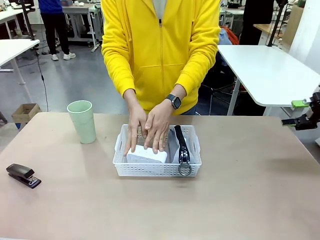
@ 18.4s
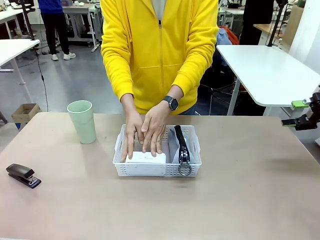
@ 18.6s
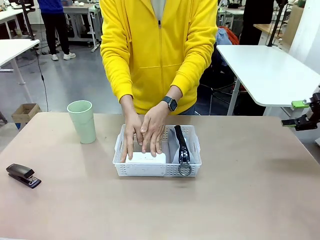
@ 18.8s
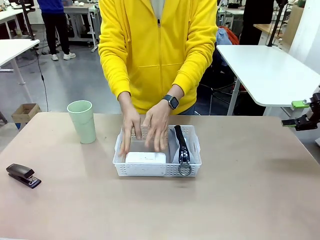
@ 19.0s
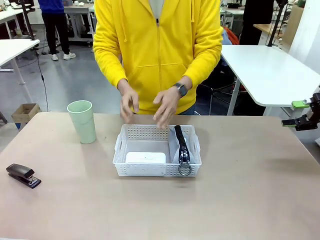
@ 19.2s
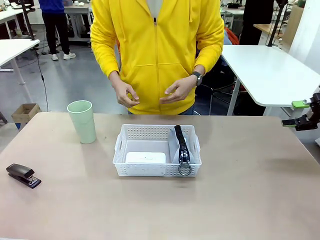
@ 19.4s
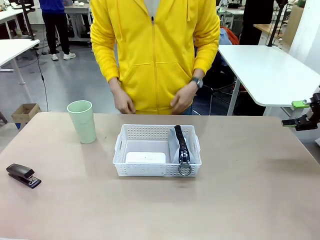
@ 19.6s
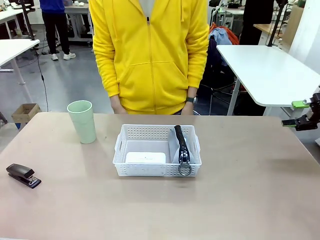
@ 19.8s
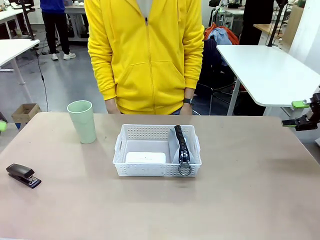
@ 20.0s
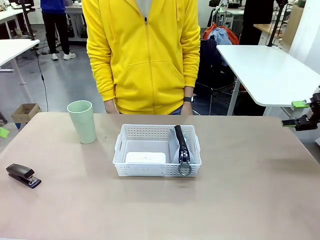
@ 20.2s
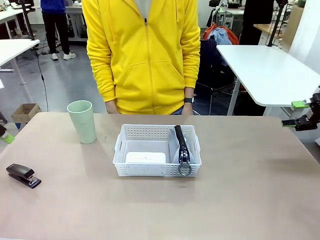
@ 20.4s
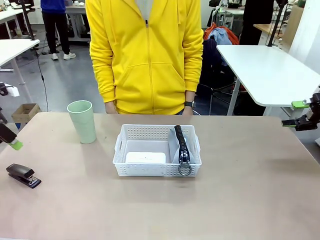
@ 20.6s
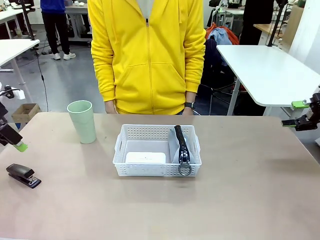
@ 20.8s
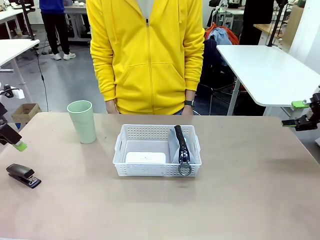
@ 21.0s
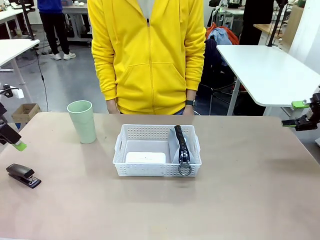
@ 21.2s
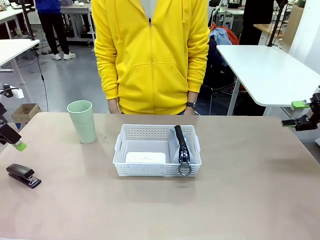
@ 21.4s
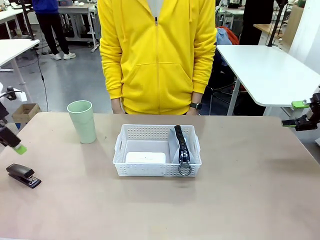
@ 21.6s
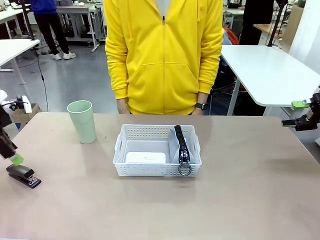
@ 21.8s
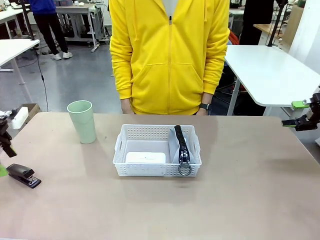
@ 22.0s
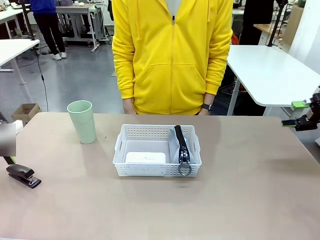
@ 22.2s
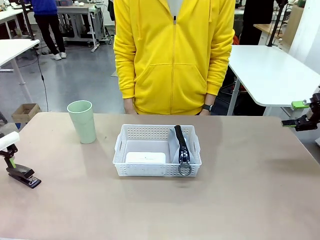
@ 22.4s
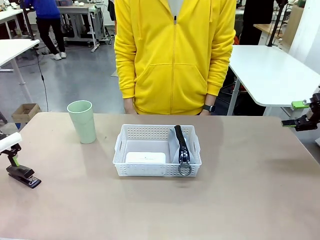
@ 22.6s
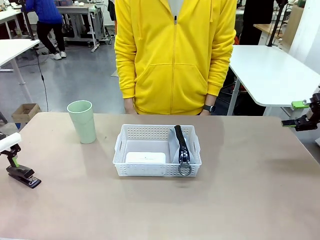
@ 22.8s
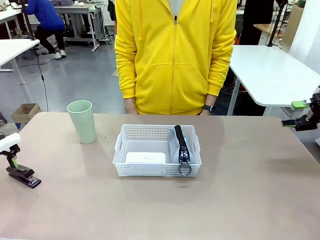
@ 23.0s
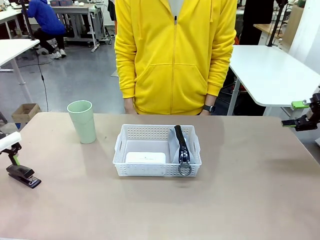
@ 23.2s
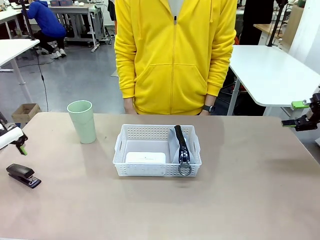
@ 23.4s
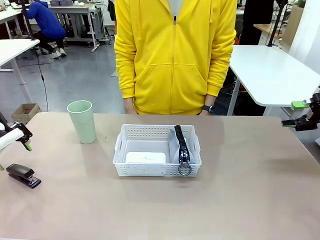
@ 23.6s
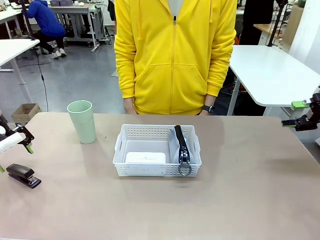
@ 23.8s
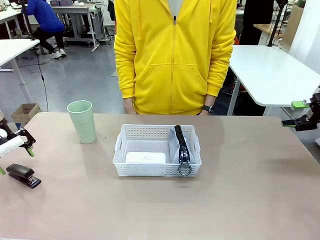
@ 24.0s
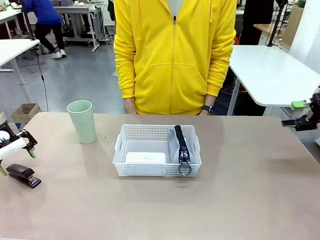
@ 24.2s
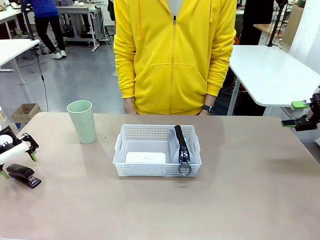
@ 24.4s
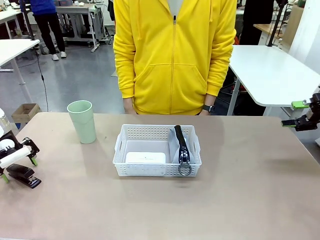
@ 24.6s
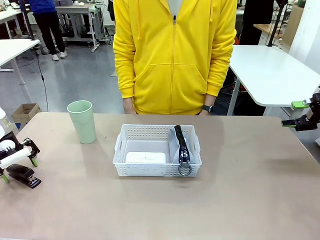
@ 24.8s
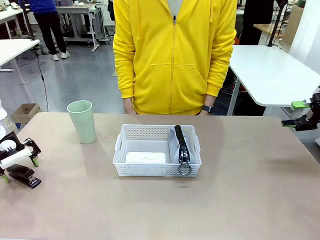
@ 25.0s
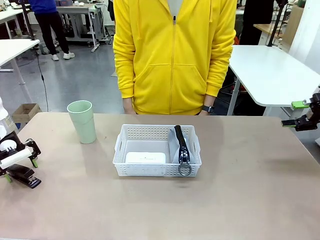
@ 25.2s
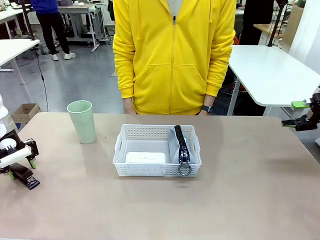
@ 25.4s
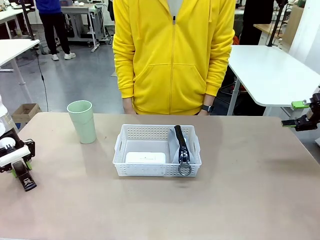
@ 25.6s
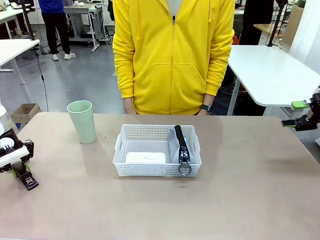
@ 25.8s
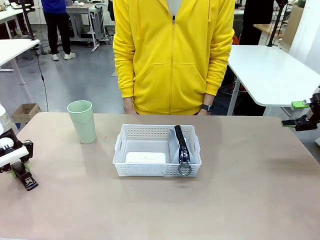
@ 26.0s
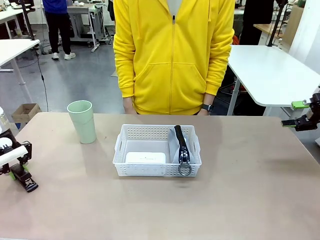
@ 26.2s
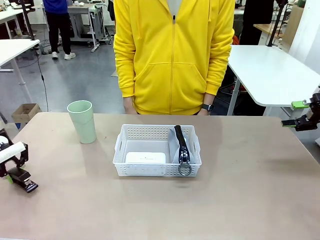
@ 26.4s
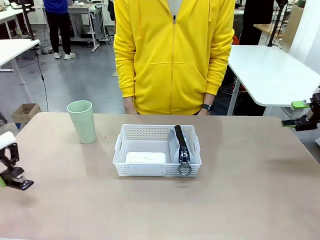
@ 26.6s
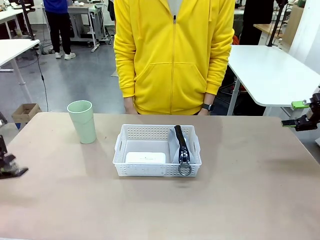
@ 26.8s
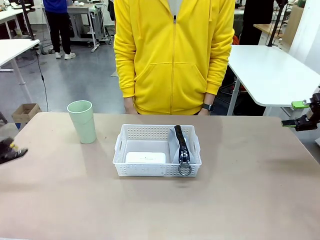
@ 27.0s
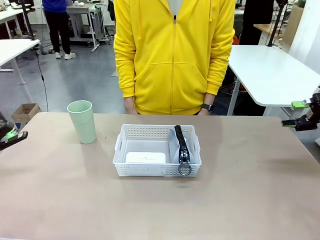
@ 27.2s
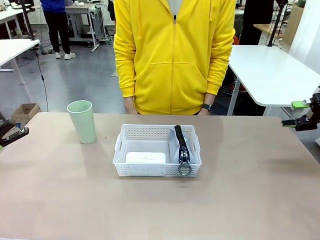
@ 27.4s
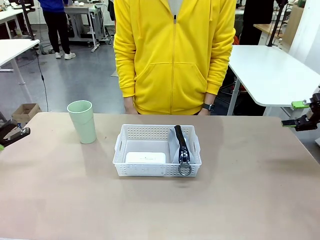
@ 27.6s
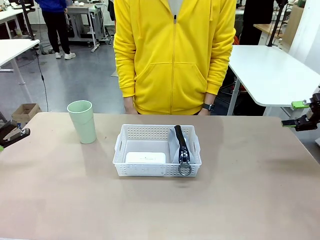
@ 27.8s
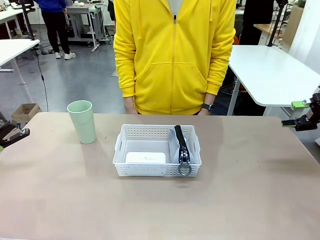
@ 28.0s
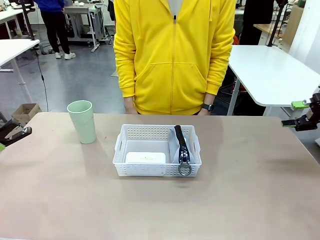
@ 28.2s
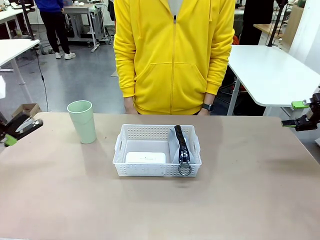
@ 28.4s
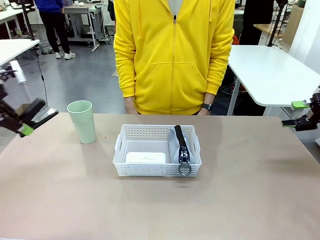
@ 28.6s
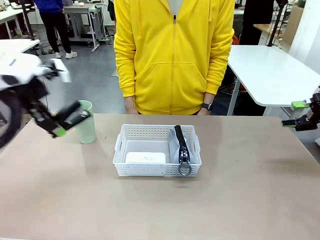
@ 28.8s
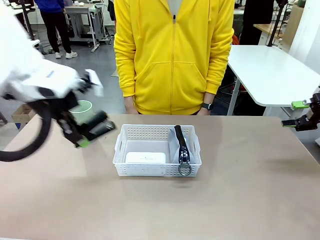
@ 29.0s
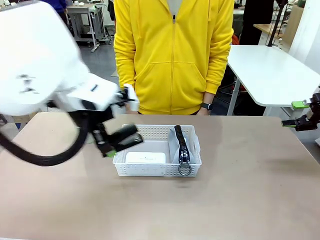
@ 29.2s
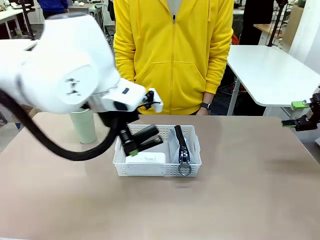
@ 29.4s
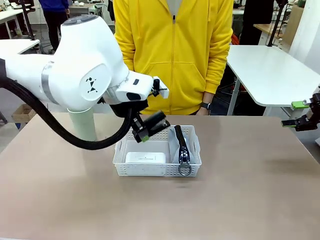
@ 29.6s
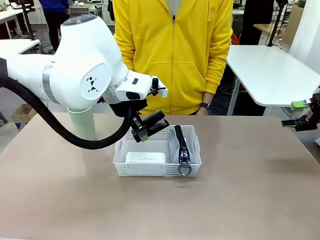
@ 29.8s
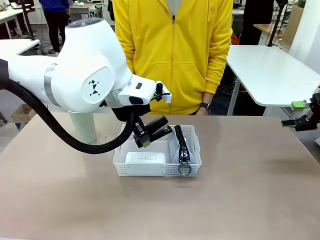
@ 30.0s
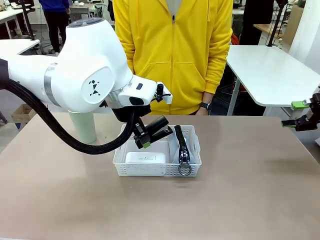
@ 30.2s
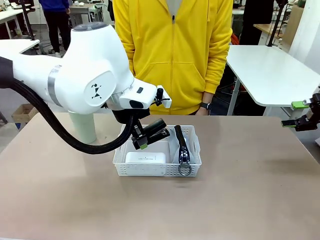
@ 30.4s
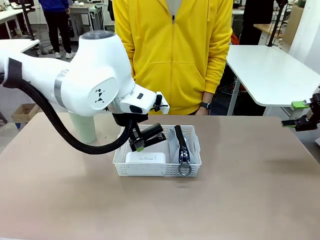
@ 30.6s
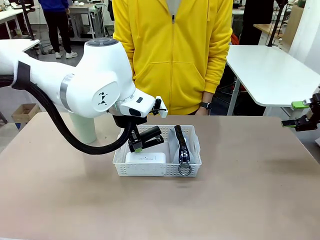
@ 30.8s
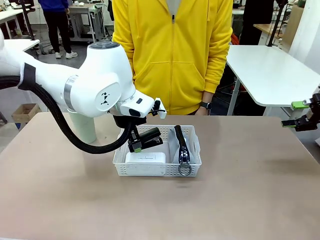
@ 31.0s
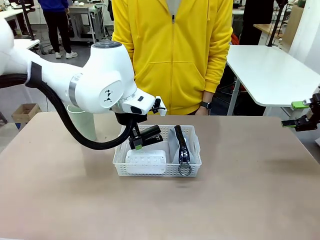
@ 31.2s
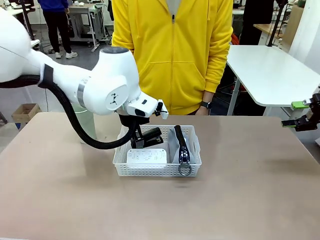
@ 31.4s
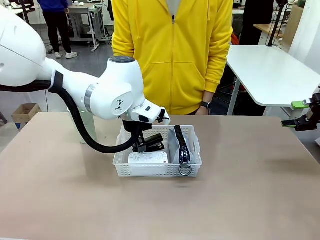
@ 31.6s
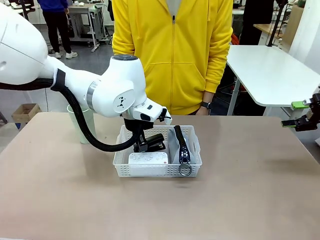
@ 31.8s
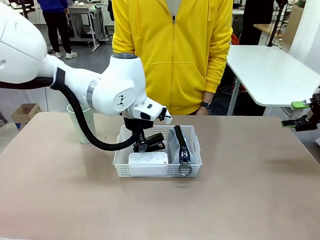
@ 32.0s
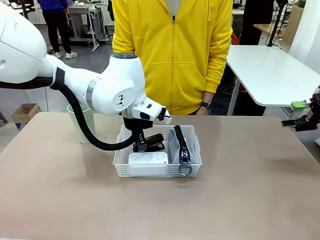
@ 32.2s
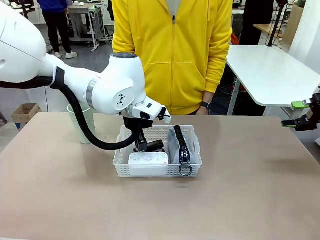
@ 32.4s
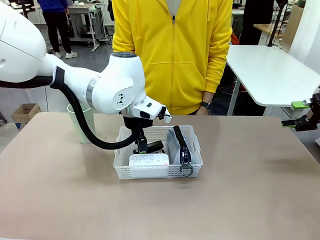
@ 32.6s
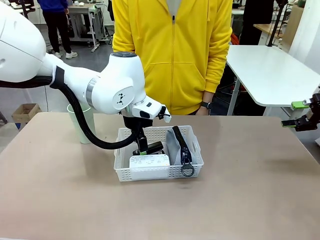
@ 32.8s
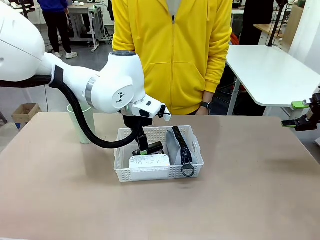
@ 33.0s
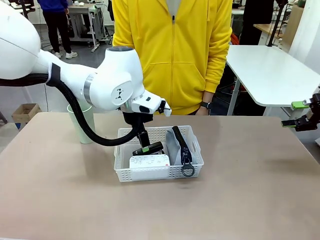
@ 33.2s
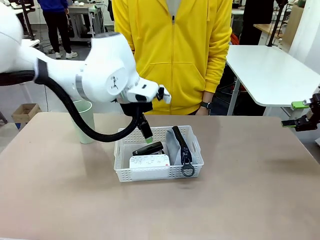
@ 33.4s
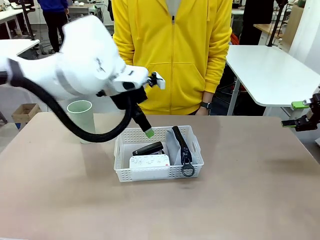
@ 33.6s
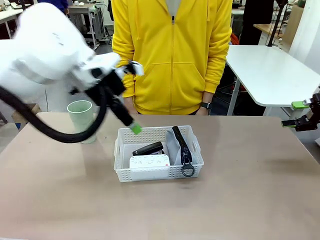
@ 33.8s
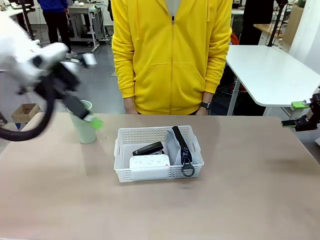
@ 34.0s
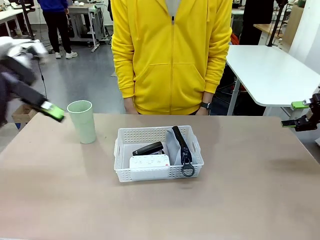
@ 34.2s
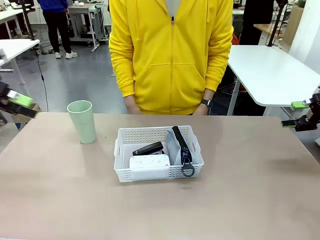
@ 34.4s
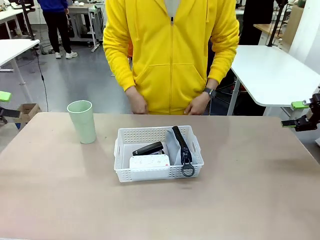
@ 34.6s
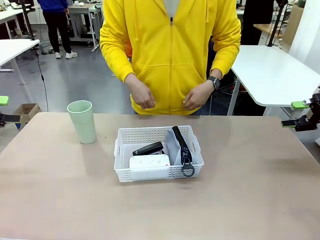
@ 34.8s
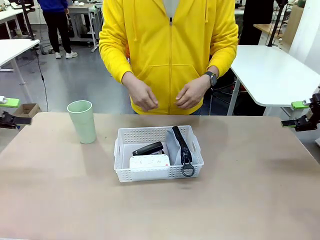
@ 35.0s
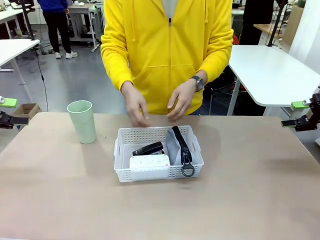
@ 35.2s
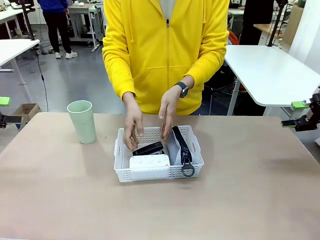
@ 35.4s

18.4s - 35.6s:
Task: Efficiently arrange items inside the basket to fit them all.
Robot: Pick up the Stapler and place it inside the Organizing basket.
